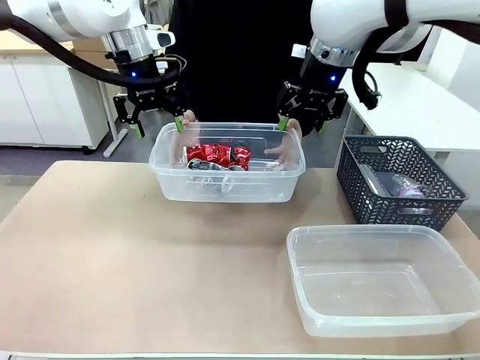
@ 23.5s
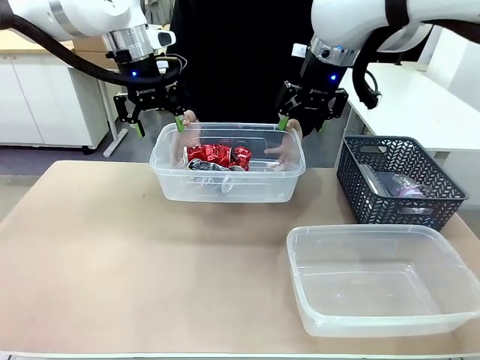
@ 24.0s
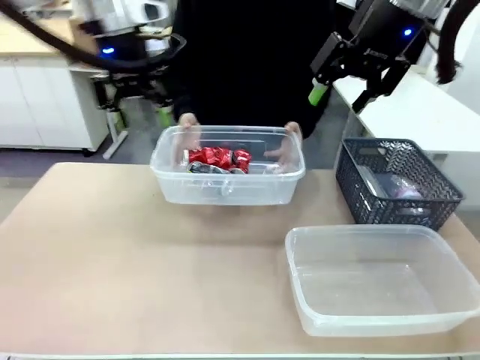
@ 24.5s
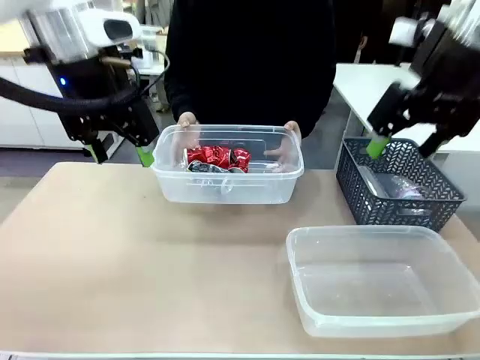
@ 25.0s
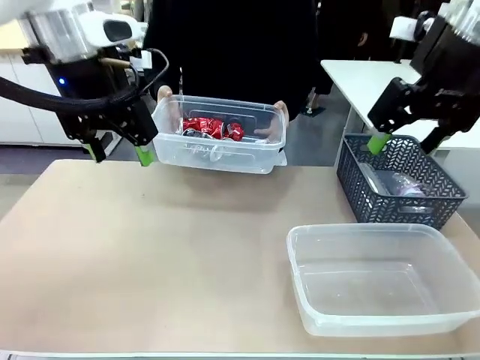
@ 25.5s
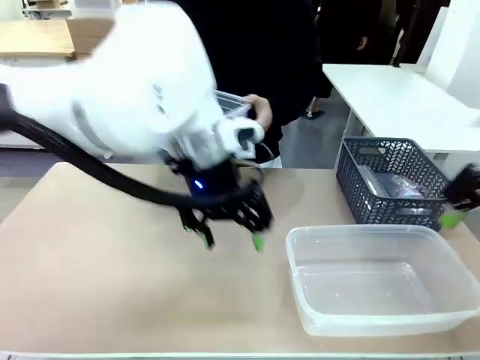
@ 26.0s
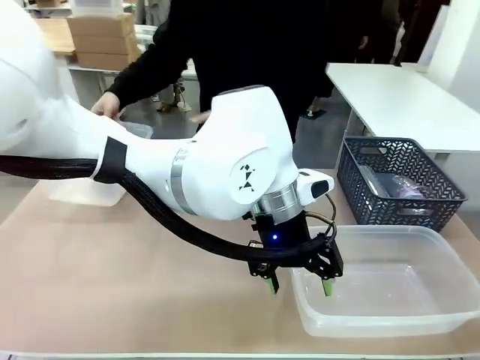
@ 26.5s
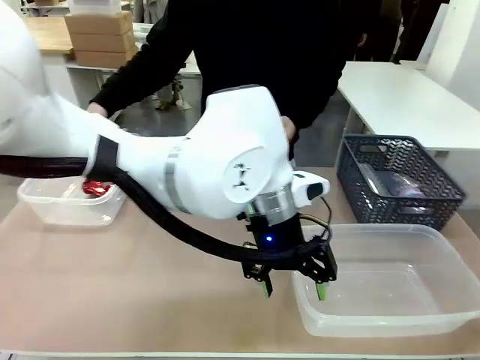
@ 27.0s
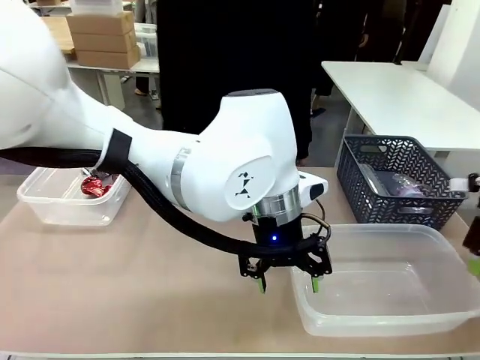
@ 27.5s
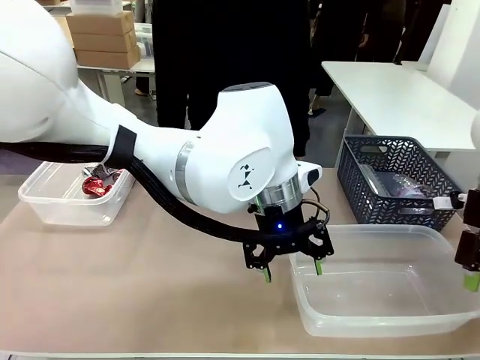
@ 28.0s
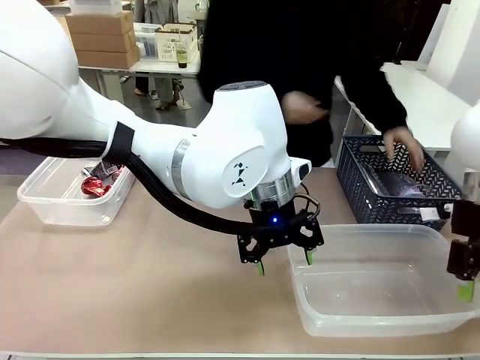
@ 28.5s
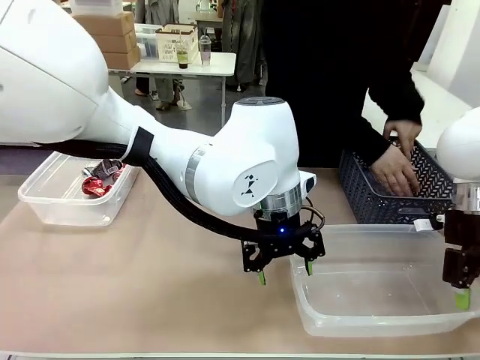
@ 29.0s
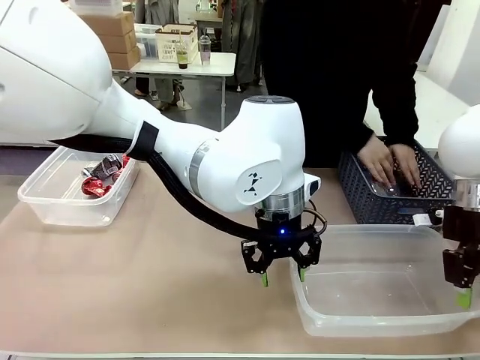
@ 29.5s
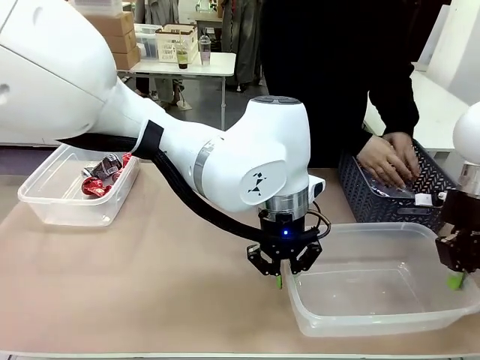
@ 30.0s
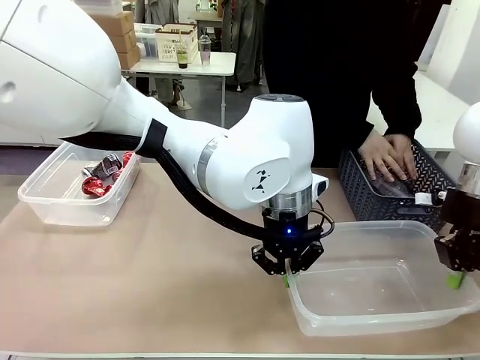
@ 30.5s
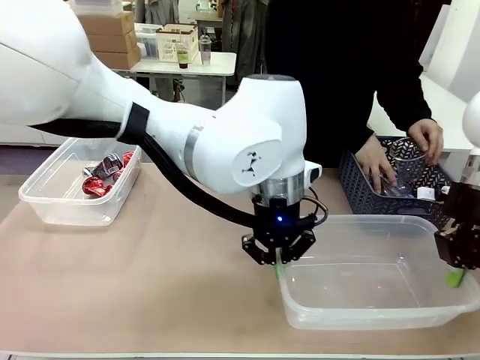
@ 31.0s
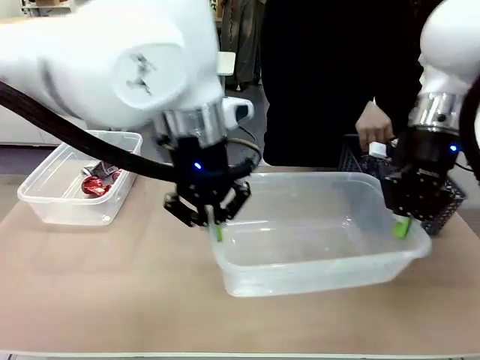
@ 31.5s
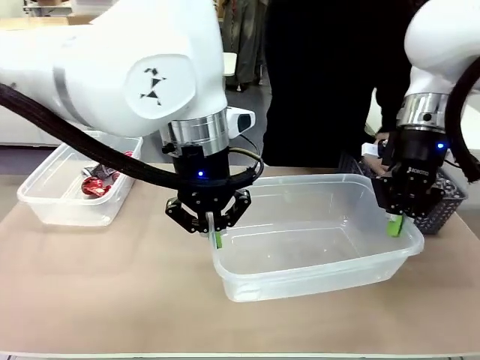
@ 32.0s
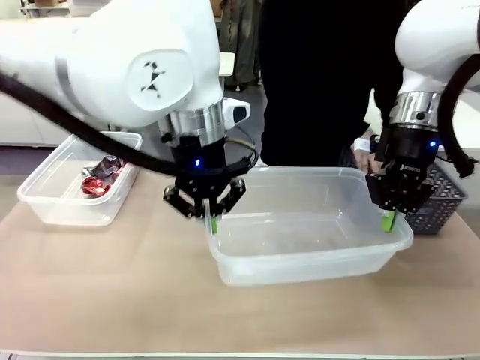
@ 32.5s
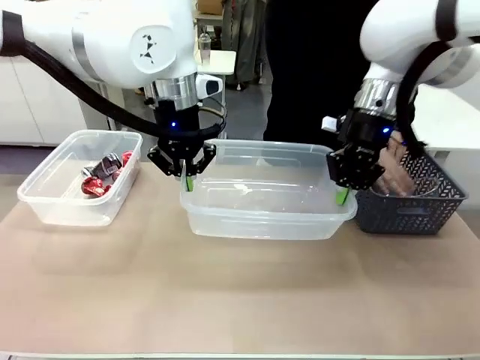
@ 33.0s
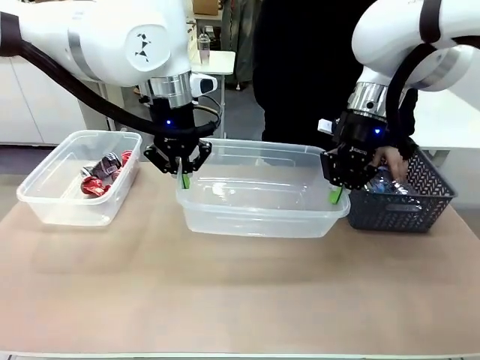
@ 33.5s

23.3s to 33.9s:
Robot: Pick up the Organizing box on the right side of the table and lift it.
Person: Place it at the edge of the bottom right area of the robot table. Pick up plastic waste one by one and place it into the organizing box lifted by the robot.

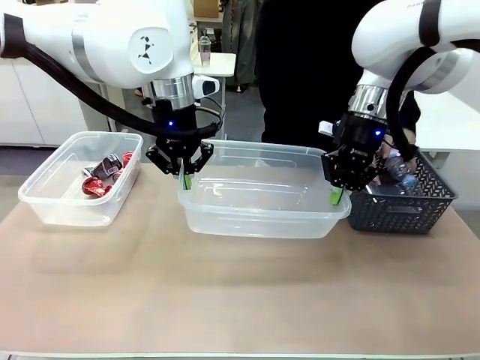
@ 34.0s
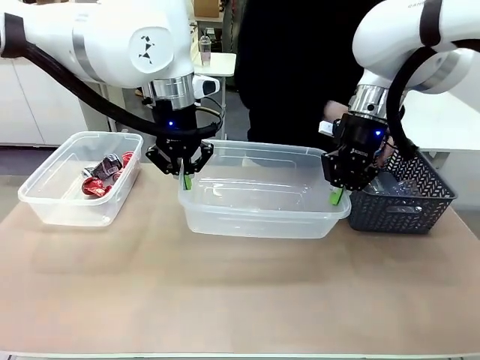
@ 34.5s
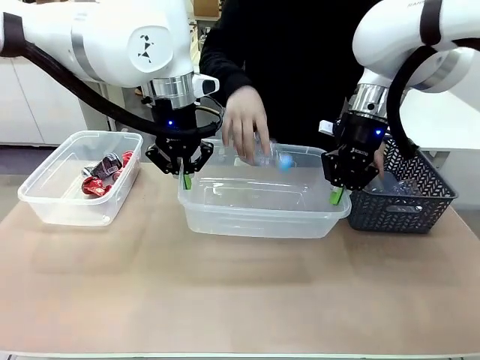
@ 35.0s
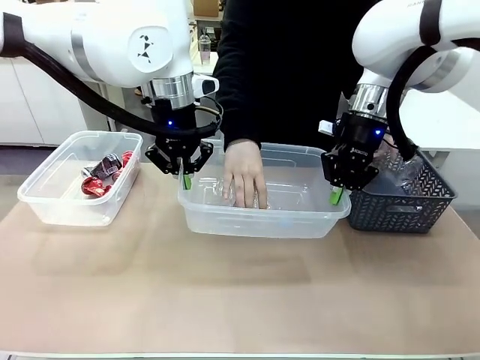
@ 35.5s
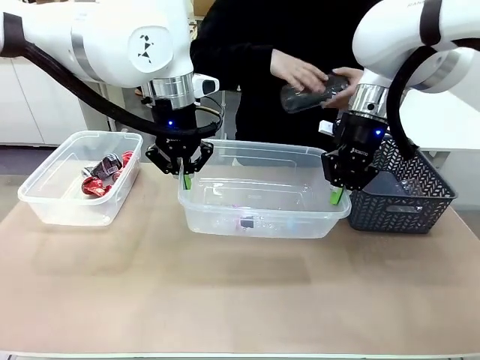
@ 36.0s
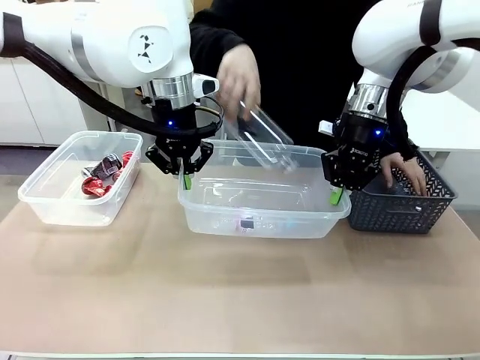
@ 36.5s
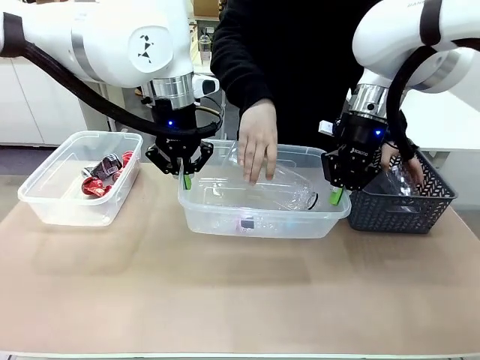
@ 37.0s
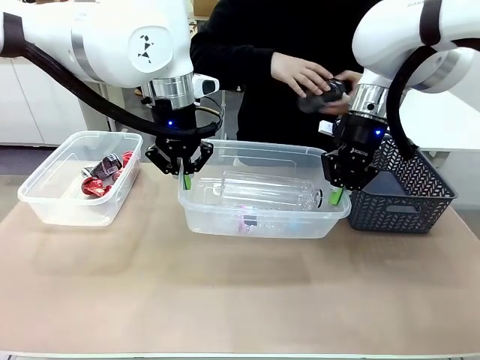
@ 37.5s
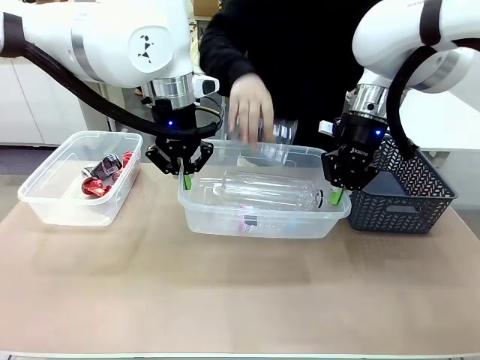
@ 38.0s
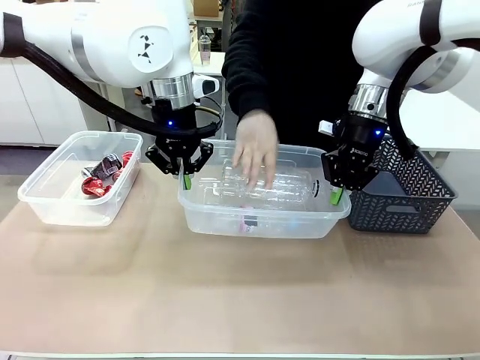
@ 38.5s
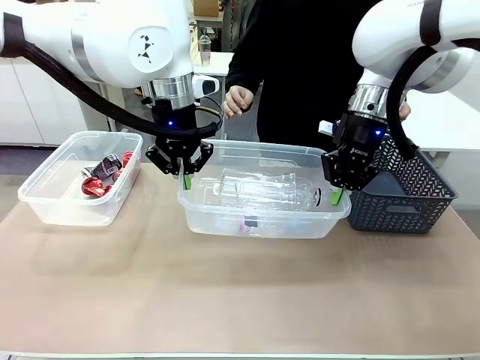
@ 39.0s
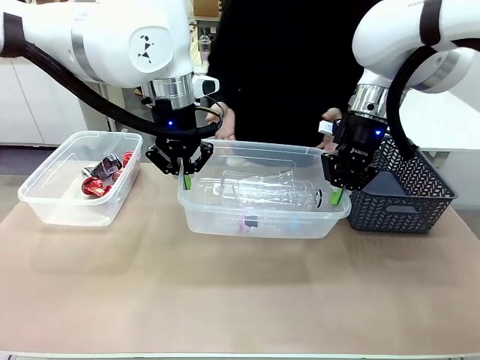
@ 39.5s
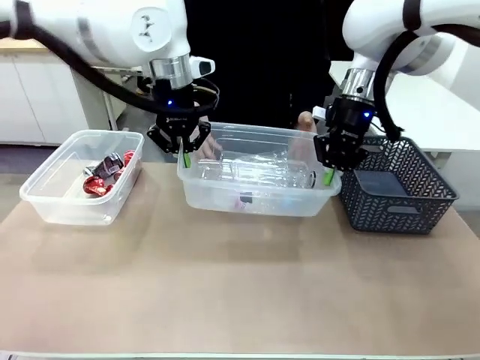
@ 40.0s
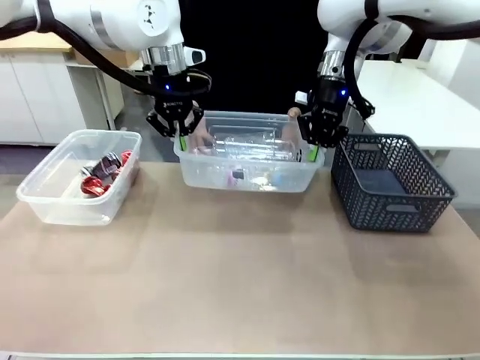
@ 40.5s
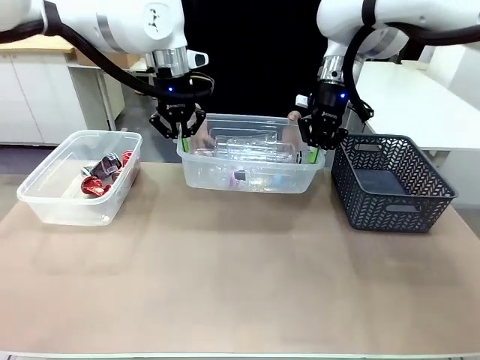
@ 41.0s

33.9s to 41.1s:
Robot: Offer the picked Organizing box to the human.

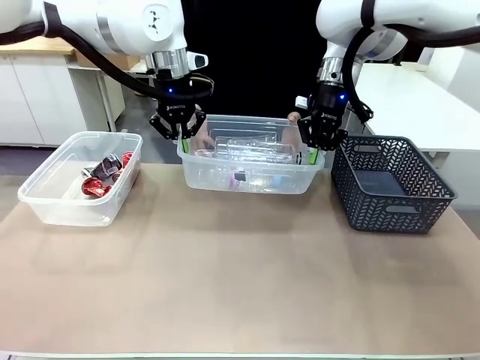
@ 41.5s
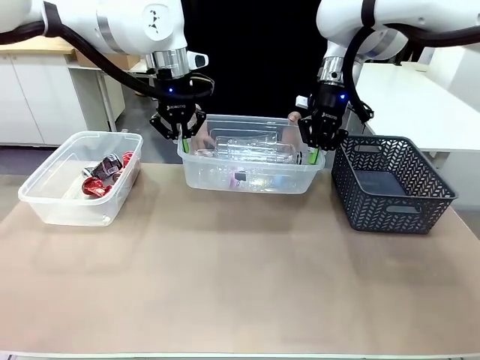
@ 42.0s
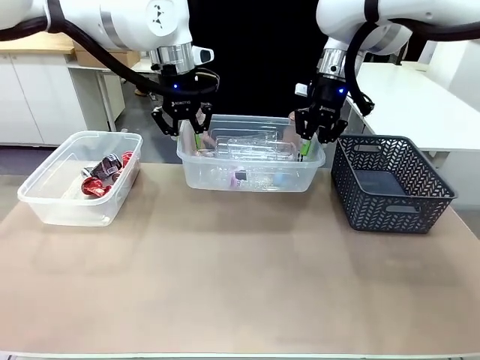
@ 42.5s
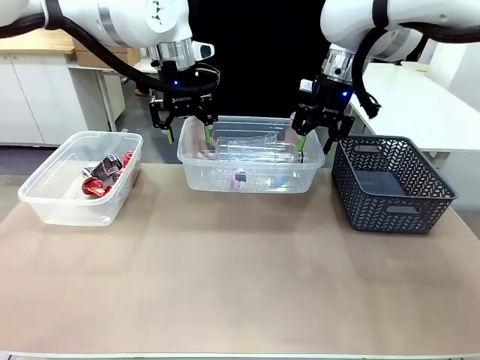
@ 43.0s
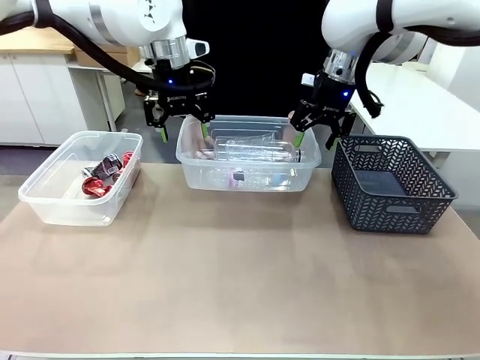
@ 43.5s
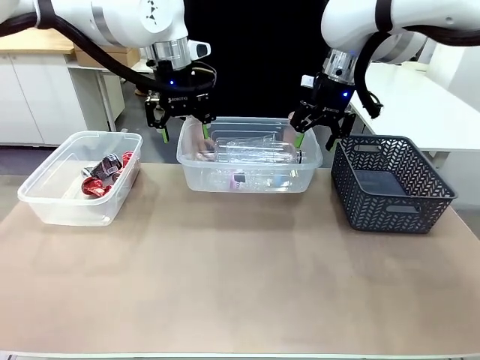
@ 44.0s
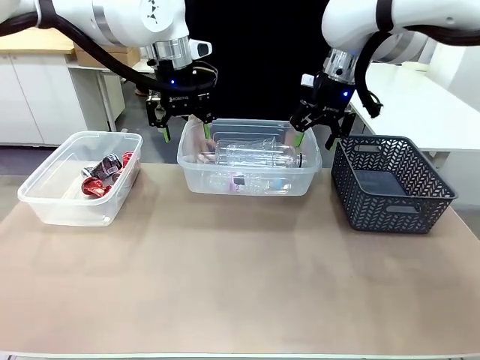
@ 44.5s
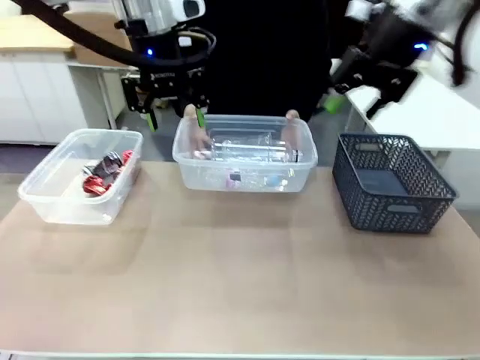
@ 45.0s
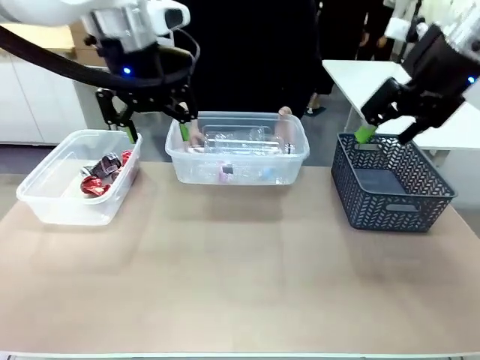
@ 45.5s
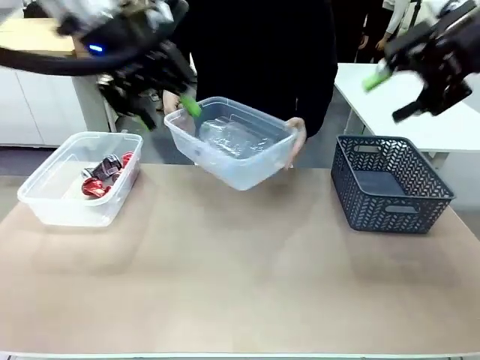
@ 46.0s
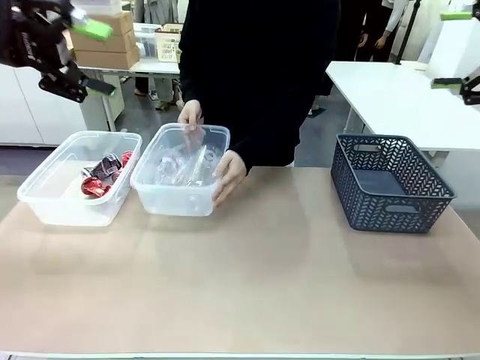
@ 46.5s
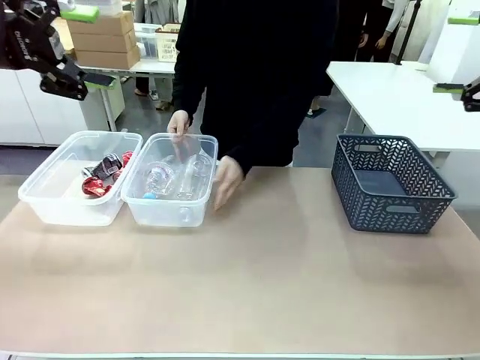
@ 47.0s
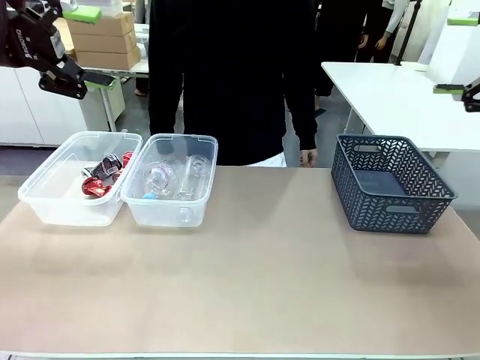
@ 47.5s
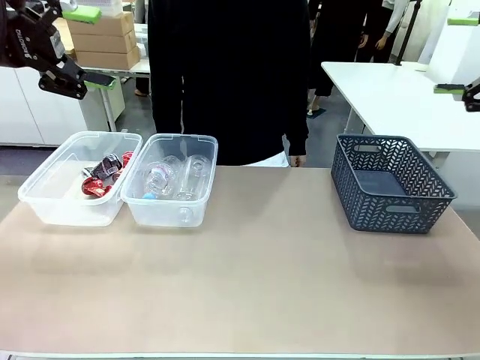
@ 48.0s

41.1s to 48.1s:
Robot: Release the Organizing box you were holding.
Person: Pick up the organizing box extended by the robot. Place the organizing box to the left of the sorting box containing the can waste.
